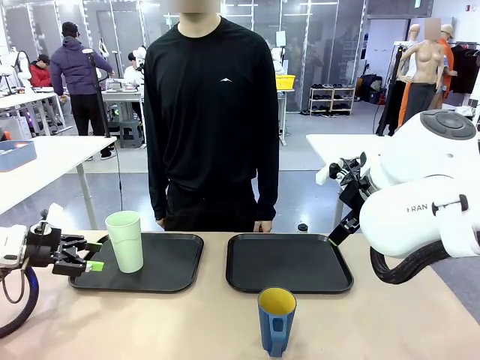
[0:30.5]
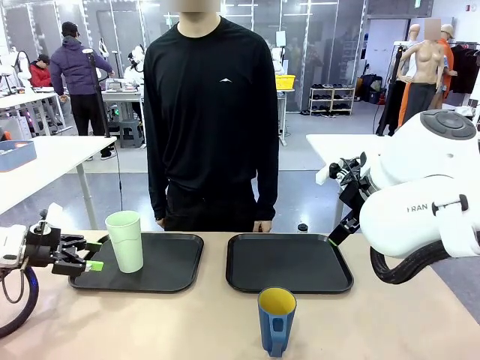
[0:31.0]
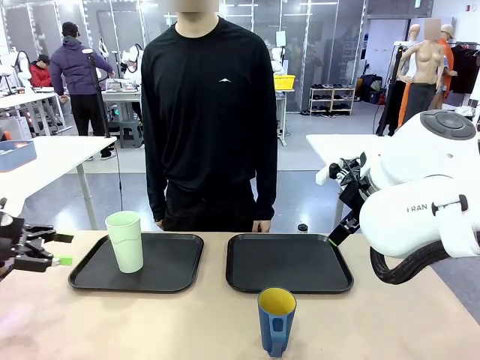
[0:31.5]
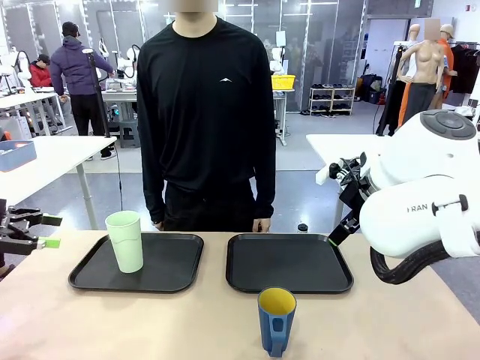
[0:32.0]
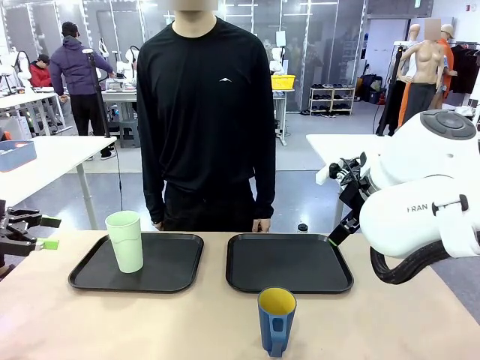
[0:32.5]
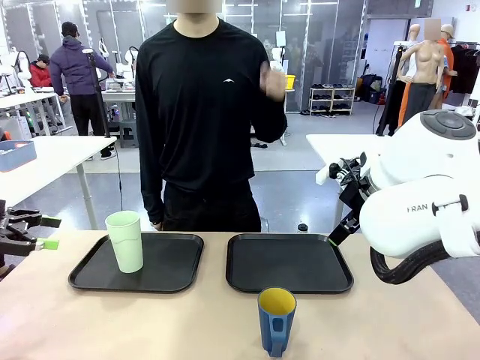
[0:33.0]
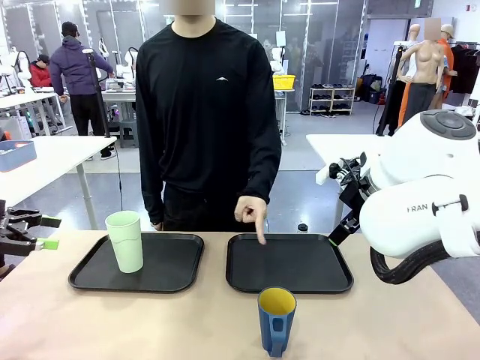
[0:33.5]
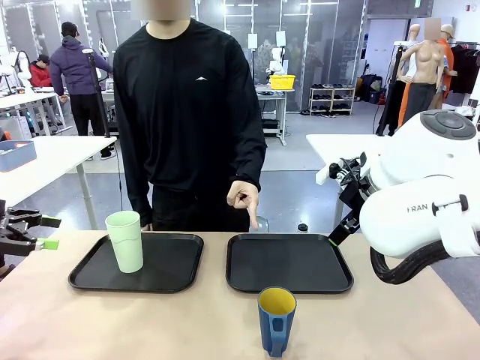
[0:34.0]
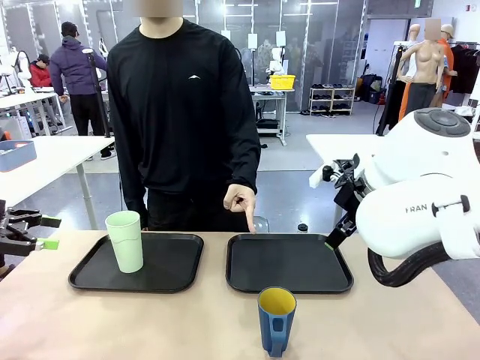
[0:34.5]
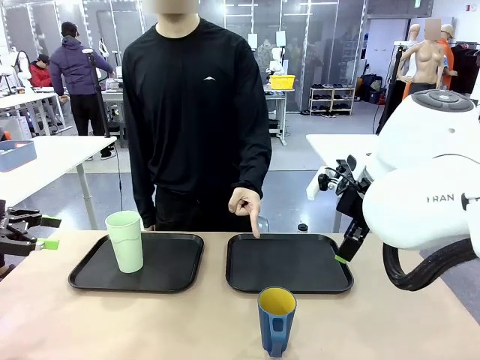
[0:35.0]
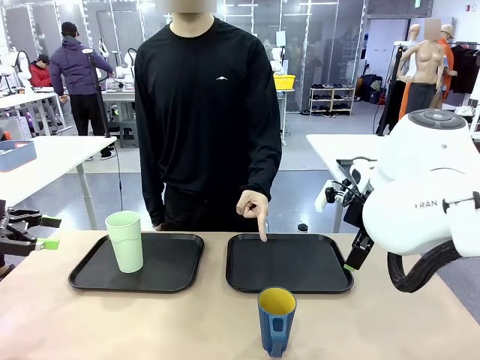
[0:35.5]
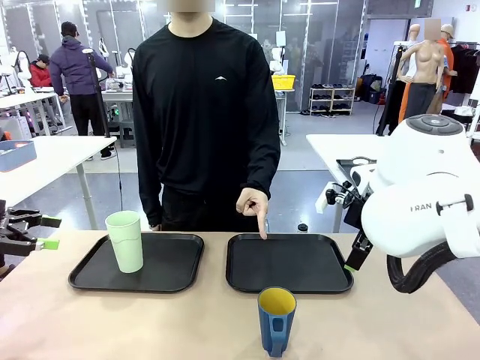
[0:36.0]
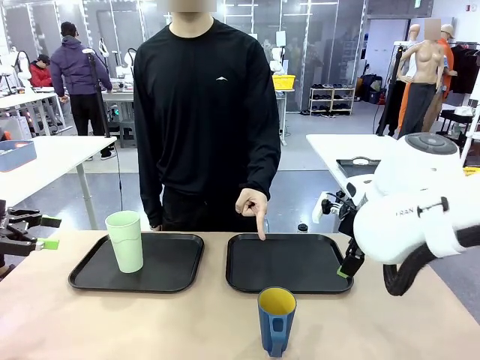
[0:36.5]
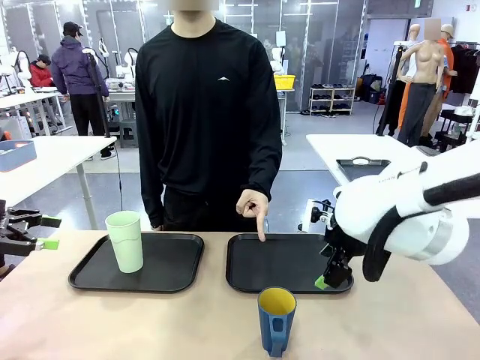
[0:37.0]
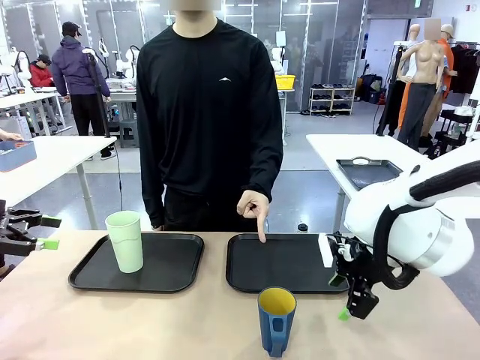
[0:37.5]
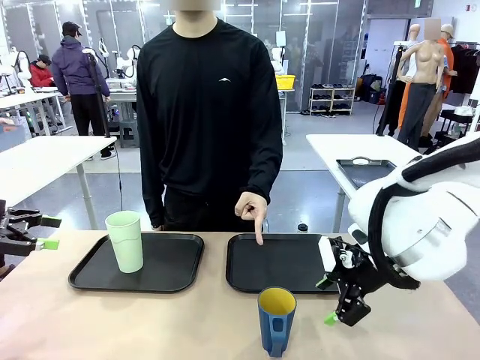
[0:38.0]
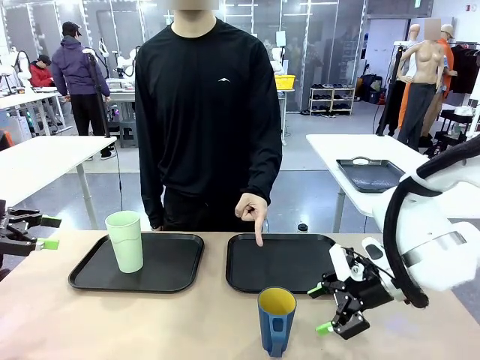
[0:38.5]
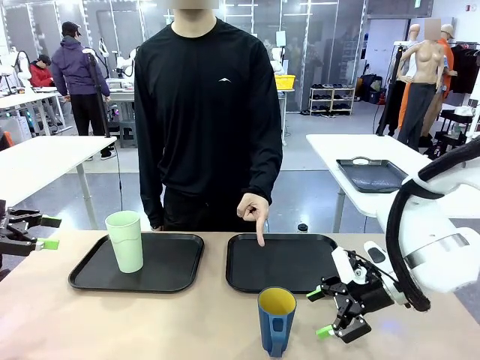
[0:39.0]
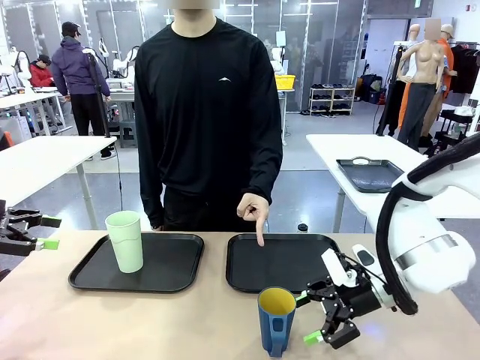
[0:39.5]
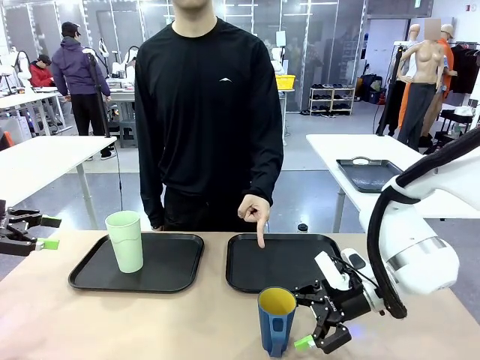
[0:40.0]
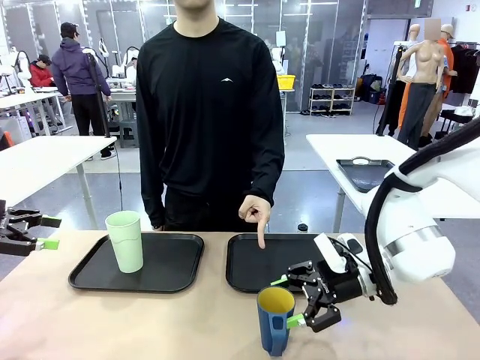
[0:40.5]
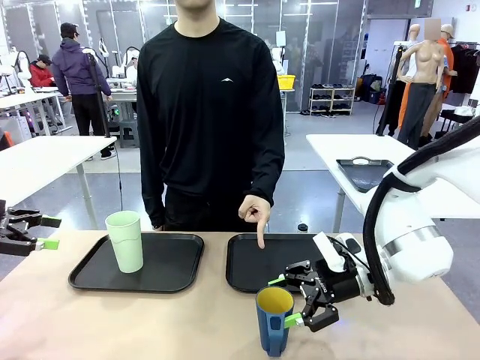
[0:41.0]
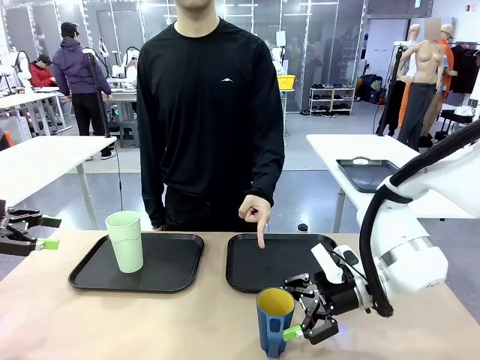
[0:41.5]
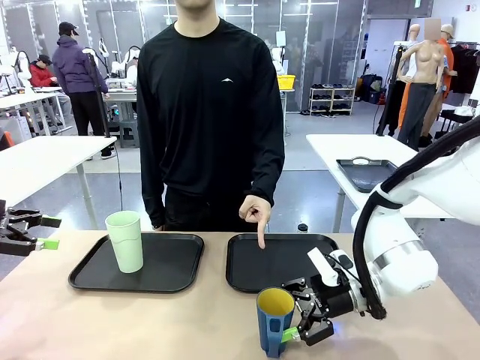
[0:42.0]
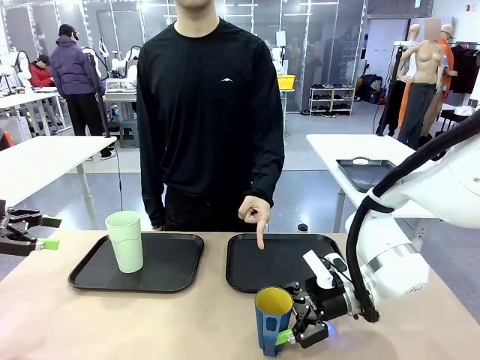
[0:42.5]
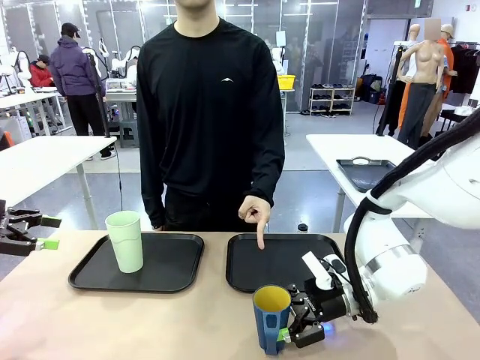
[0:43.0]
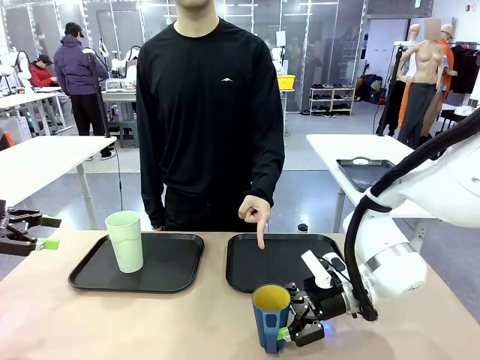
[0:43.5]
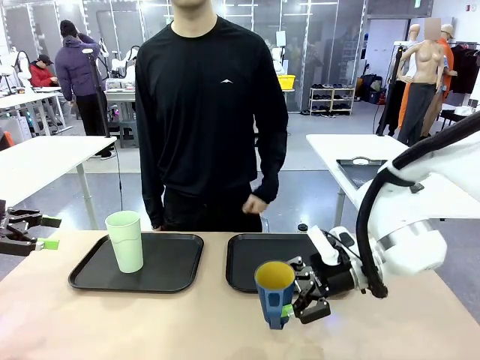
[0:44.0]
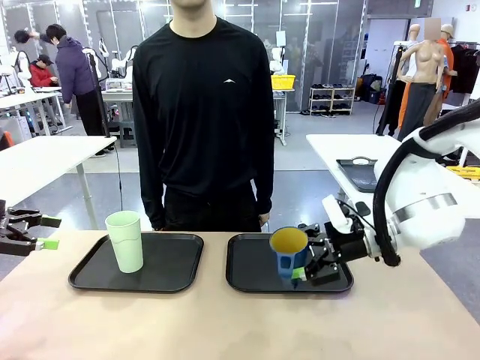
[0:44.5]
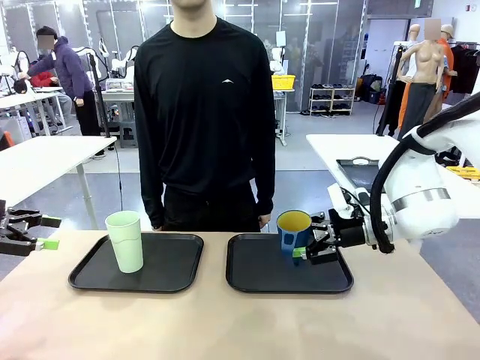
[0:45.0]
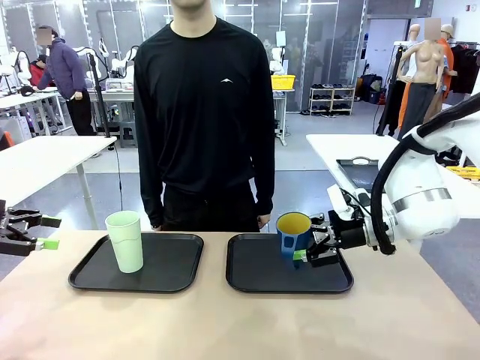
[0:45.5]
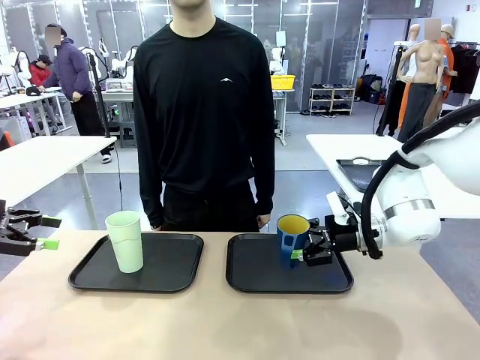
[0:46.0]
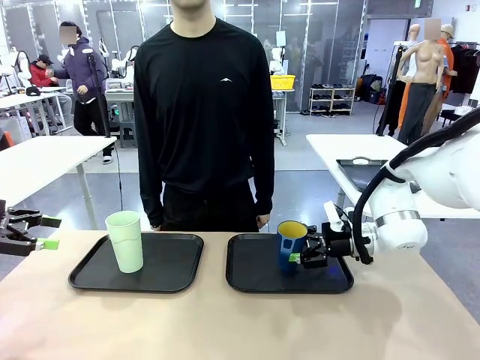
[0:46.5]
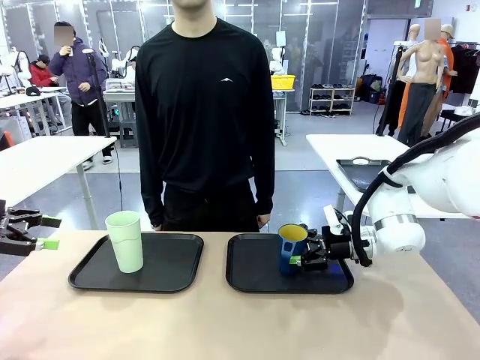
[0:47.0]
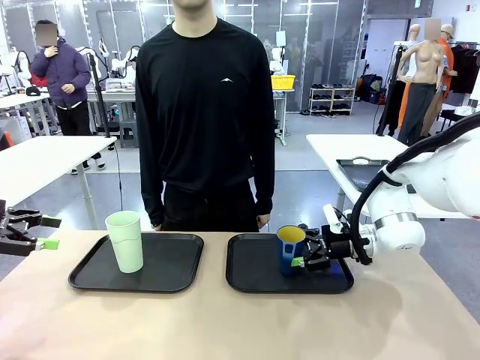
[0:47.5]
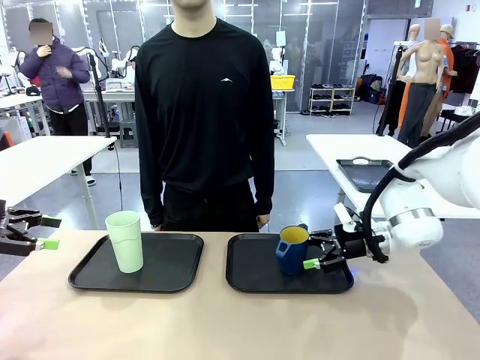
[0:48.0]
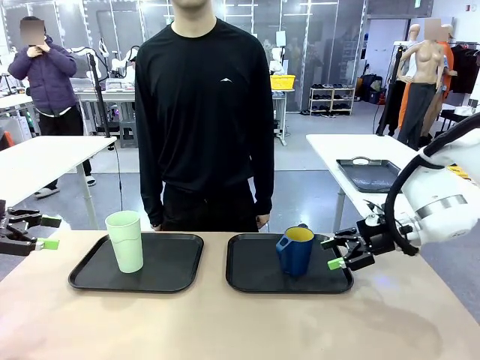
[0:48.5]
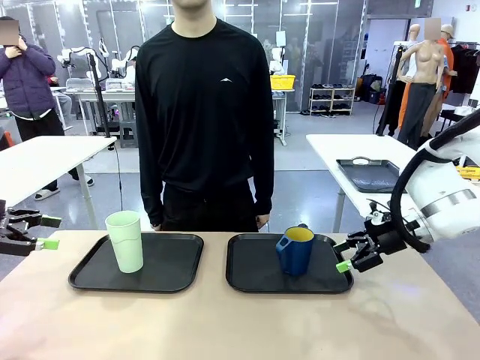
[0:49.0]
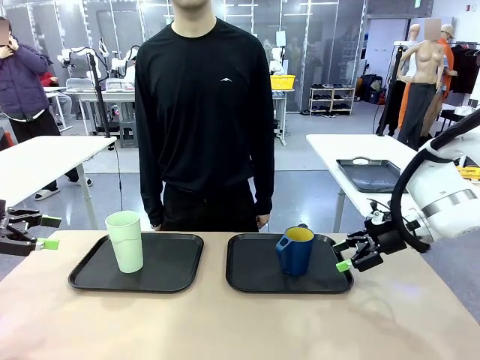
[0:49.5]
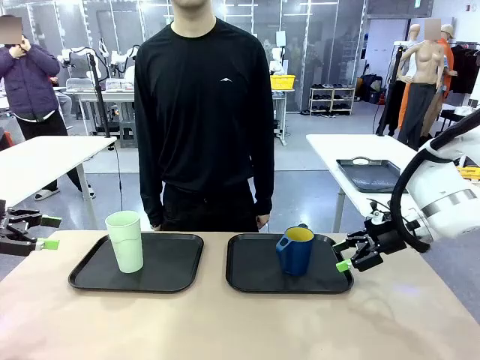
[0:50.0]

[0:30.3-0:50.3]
Task: Sort and store the cups by type.
Robot: Pick up the Handle plastic cup and place it into the empty Flat Tray.
Person: Points to the cup with a handle.

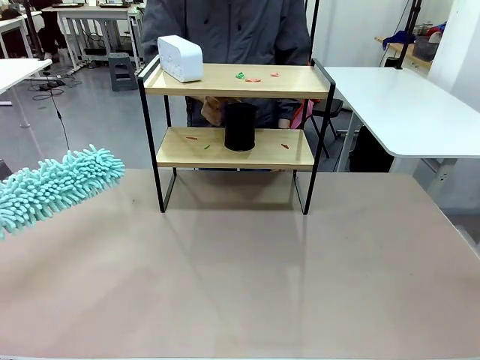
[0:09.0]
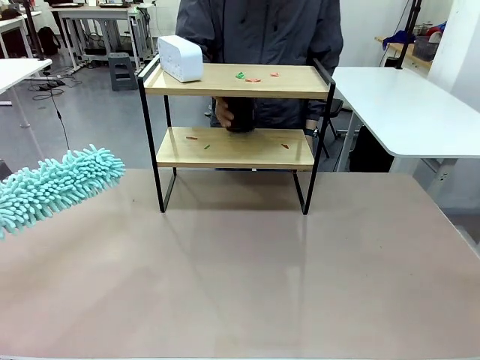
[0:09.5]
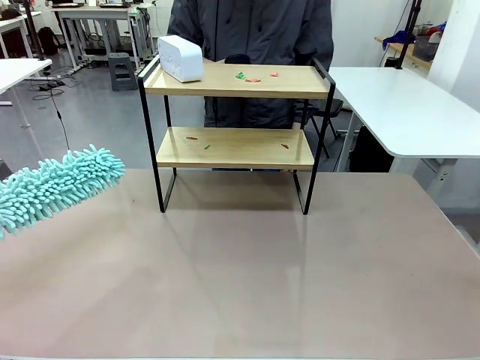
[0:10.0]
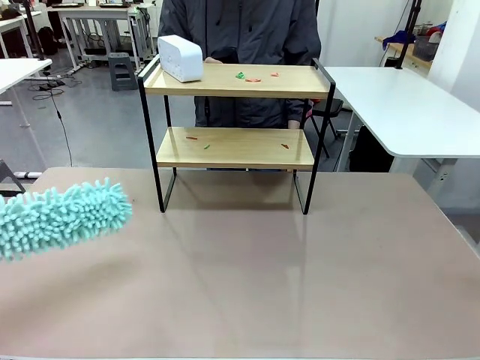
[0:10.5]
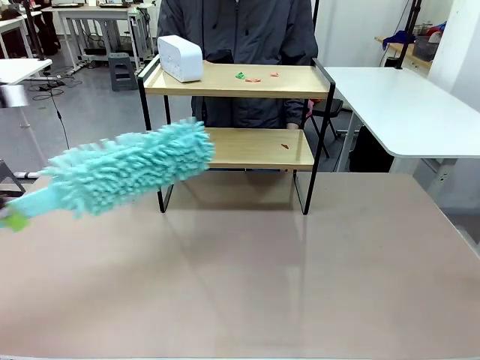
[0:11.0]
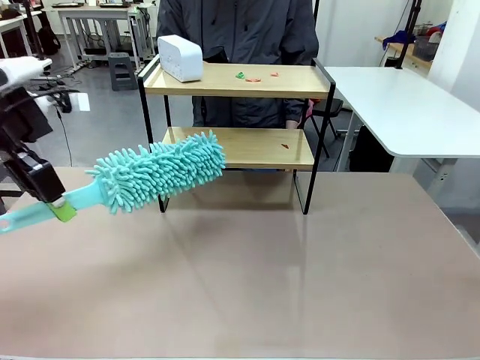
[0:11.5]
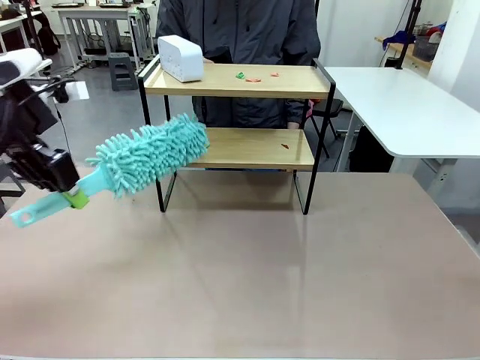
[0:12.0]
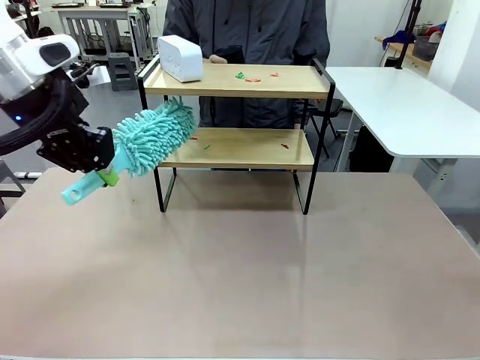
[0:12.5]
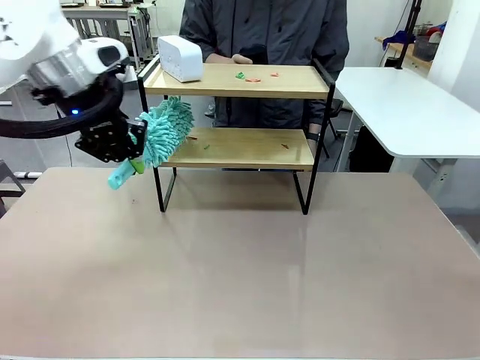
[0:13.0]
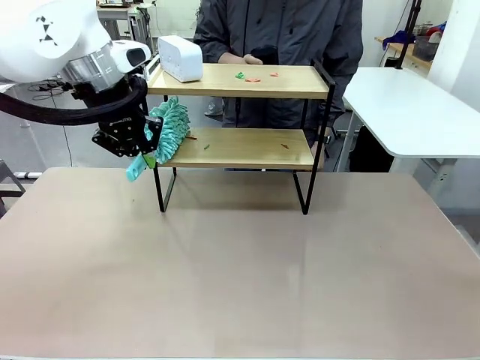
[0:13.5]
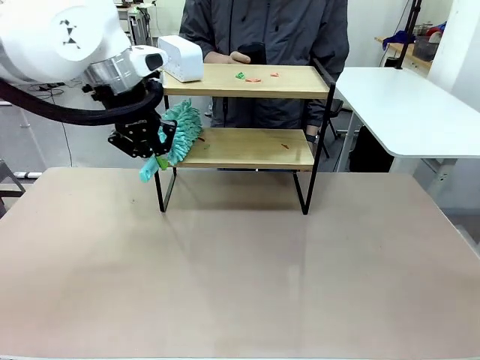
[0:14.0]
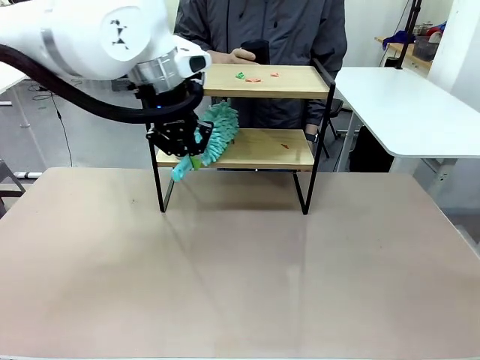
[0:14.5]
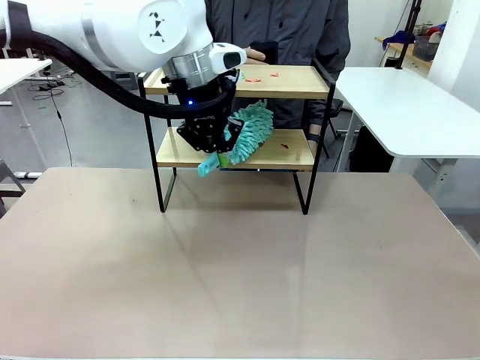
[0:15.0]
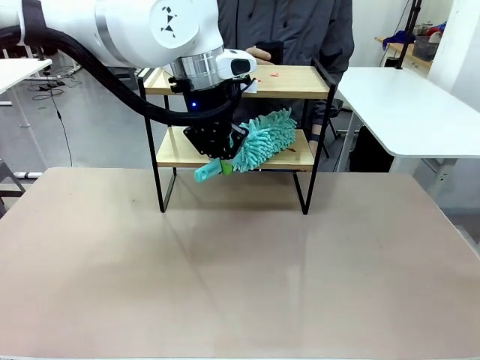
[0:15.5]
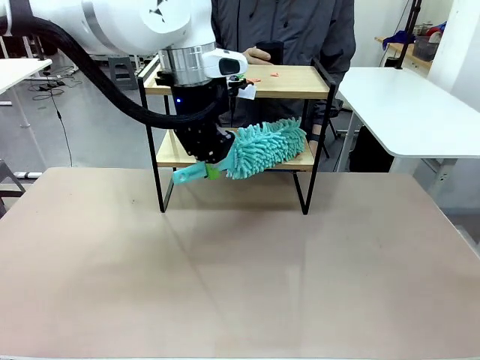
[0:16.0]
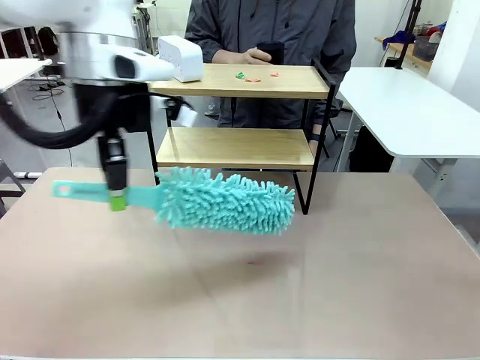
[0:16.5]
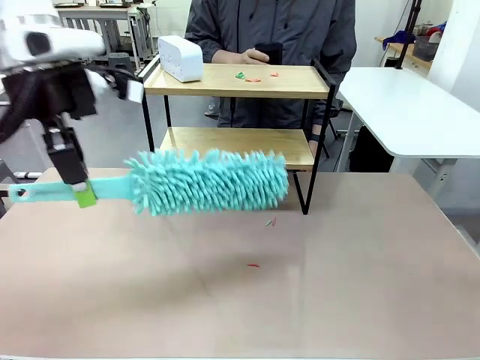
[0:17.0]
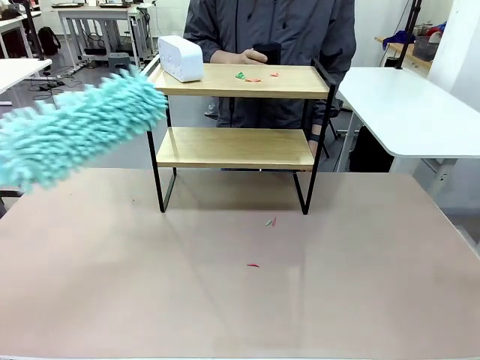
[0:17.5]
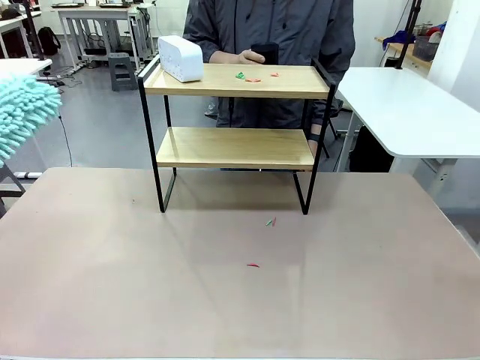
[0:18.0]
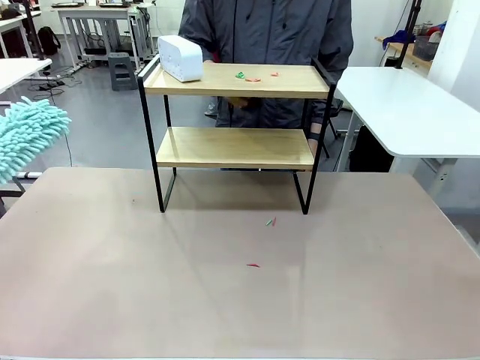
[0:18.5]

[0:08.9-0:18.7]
Task: Clean the shelf.
Robot: Clean the specific tier of the Shelf with the Duster once objects are removed.
Person: Lift the objects on a randomly selected tier of the Shelf. Once the robot finishes cleaning, lift the objects on the remaining tiers of the Shelf.
